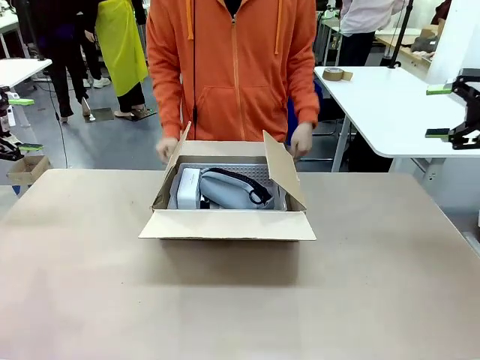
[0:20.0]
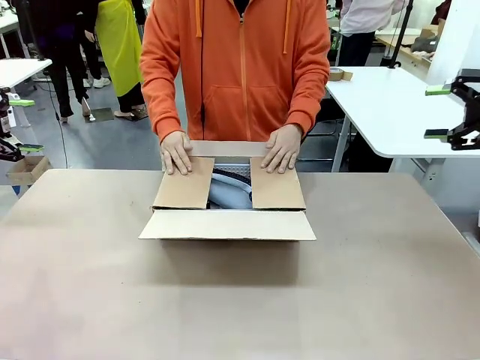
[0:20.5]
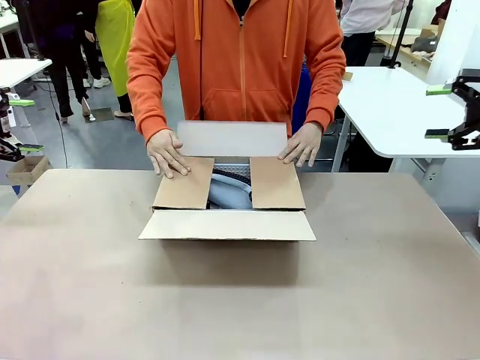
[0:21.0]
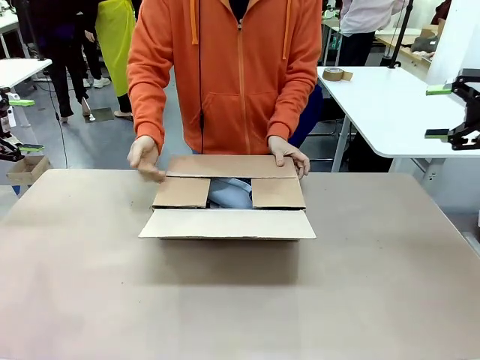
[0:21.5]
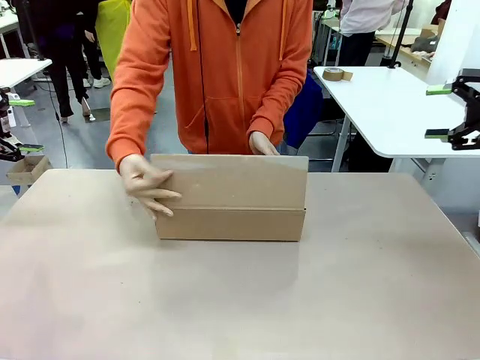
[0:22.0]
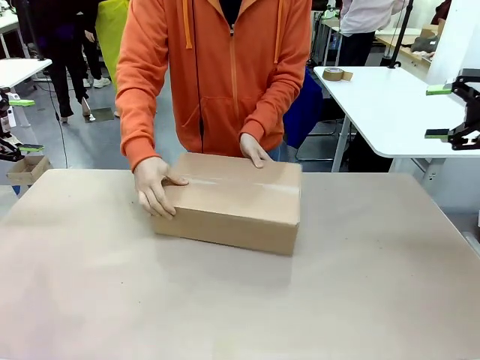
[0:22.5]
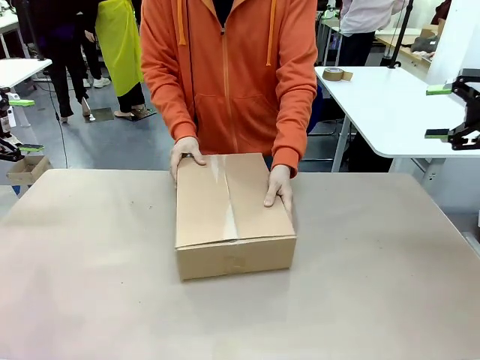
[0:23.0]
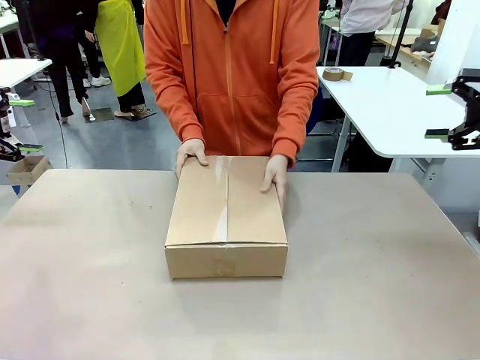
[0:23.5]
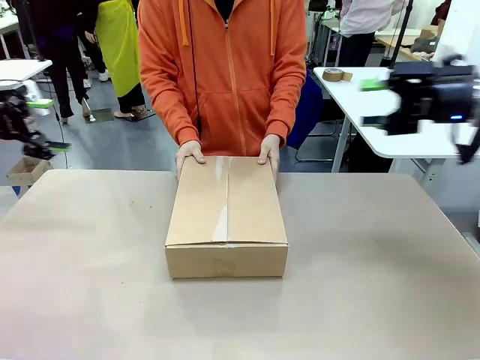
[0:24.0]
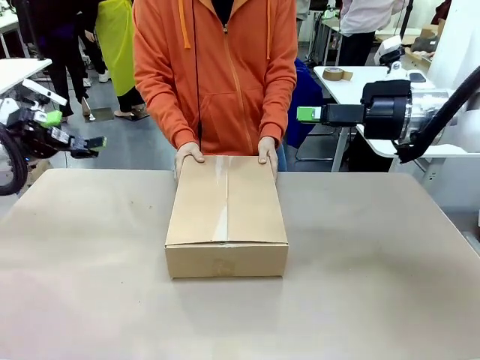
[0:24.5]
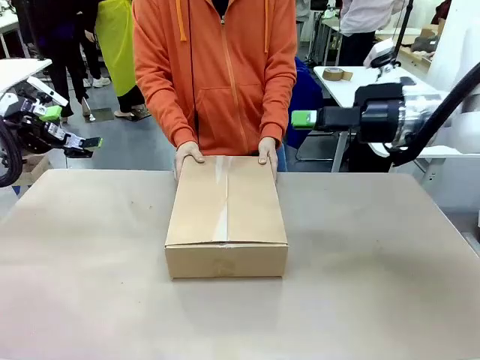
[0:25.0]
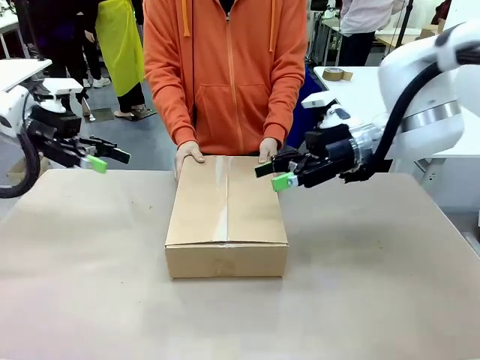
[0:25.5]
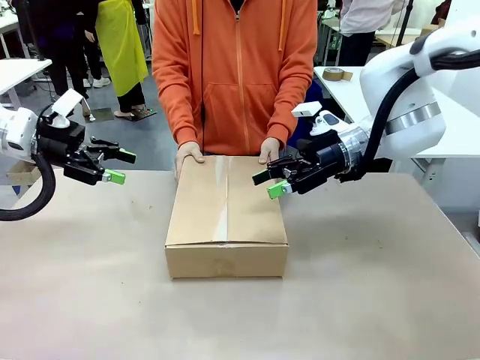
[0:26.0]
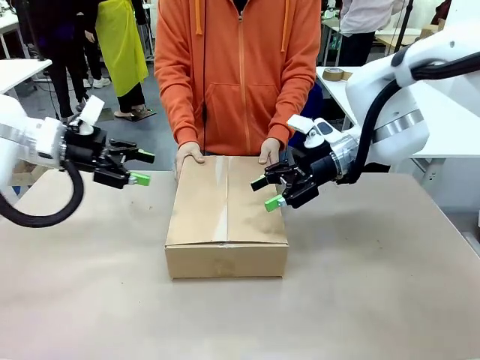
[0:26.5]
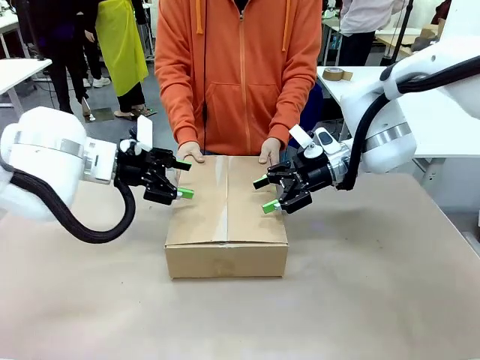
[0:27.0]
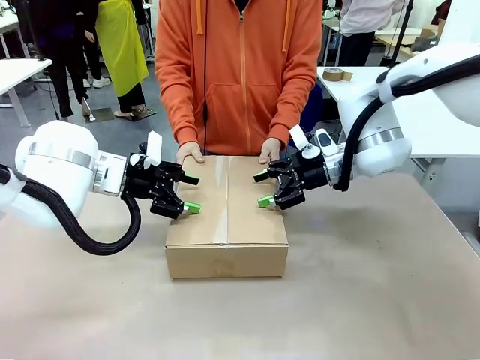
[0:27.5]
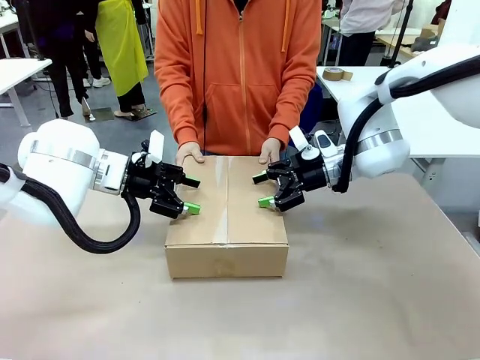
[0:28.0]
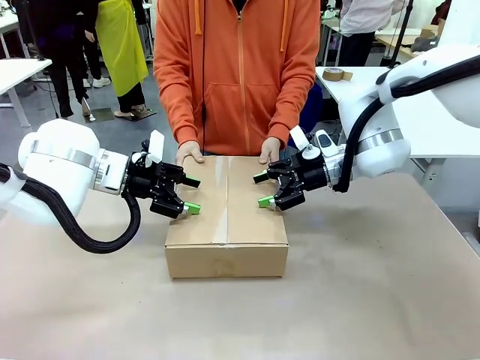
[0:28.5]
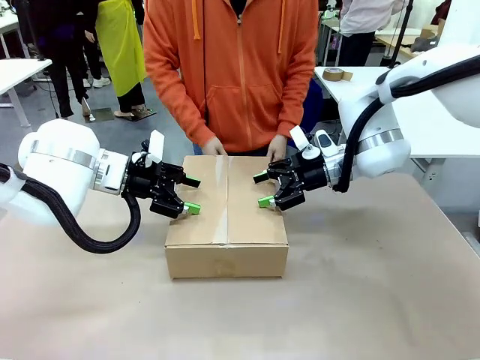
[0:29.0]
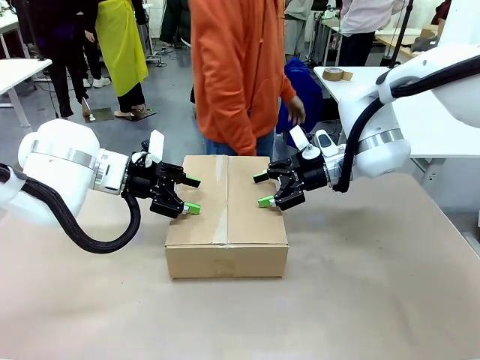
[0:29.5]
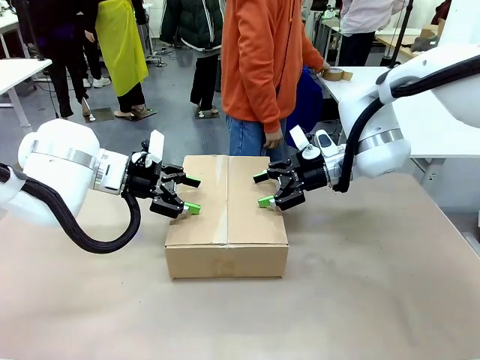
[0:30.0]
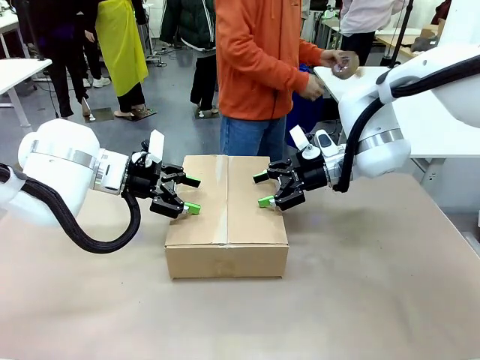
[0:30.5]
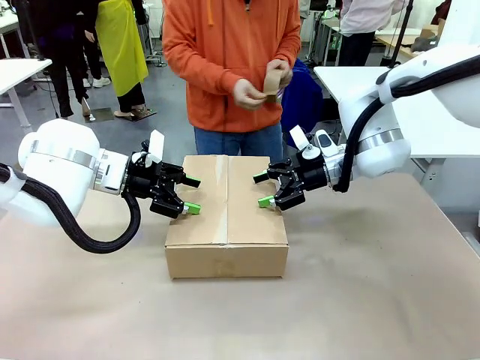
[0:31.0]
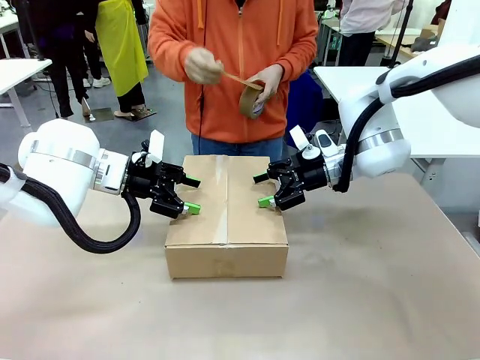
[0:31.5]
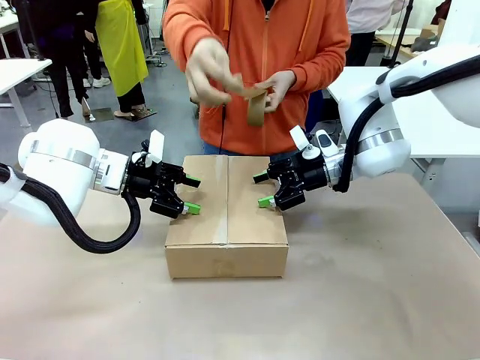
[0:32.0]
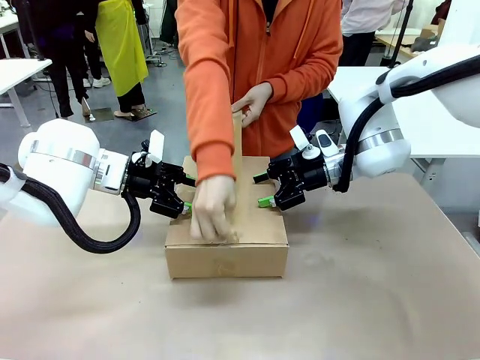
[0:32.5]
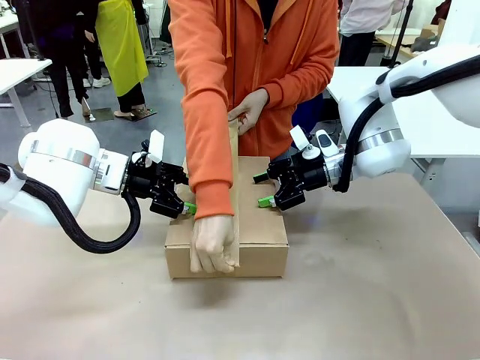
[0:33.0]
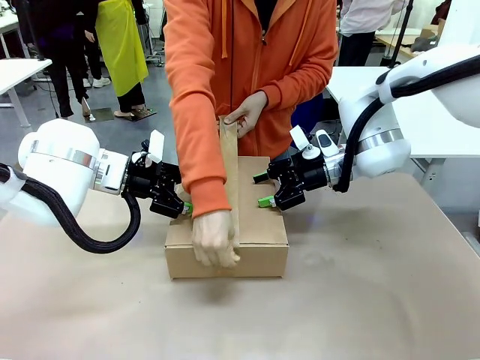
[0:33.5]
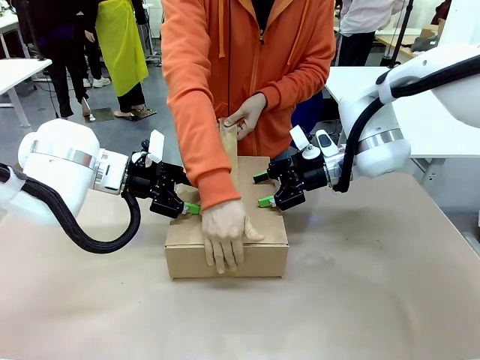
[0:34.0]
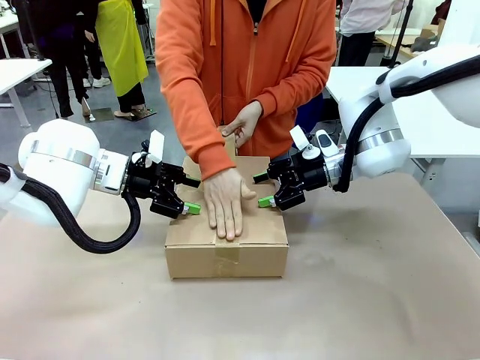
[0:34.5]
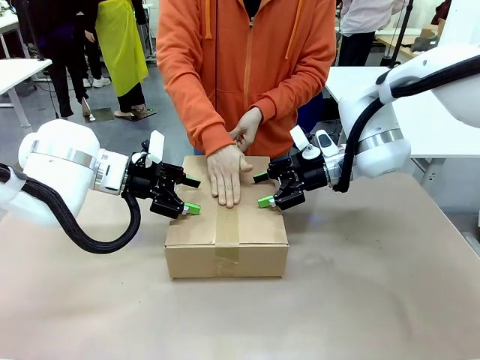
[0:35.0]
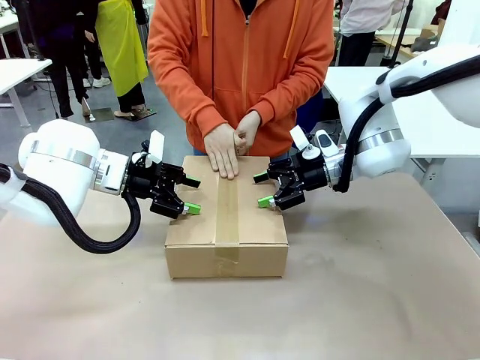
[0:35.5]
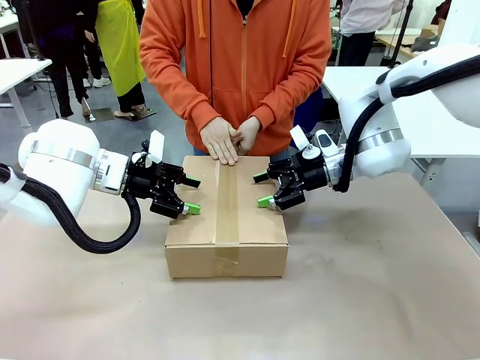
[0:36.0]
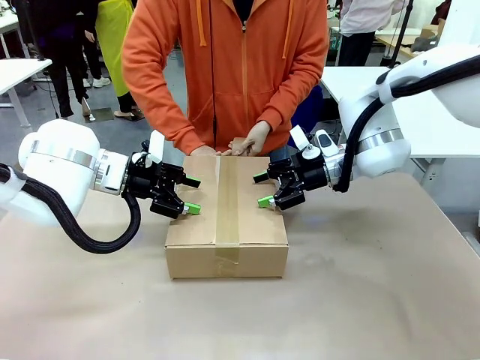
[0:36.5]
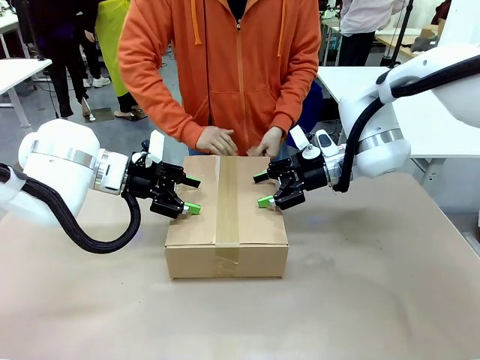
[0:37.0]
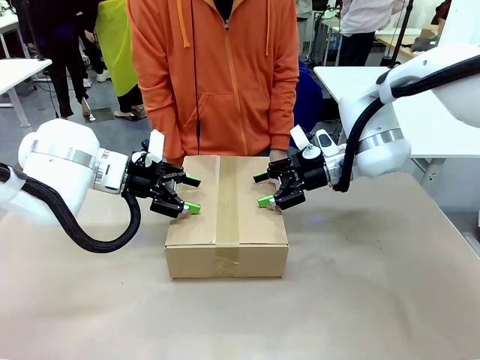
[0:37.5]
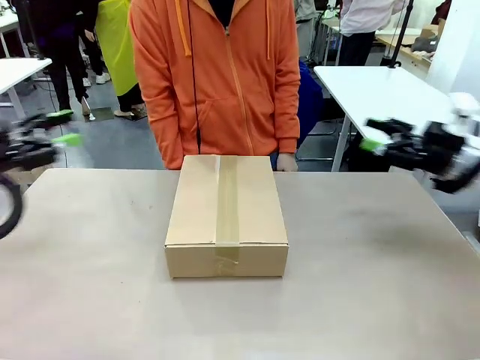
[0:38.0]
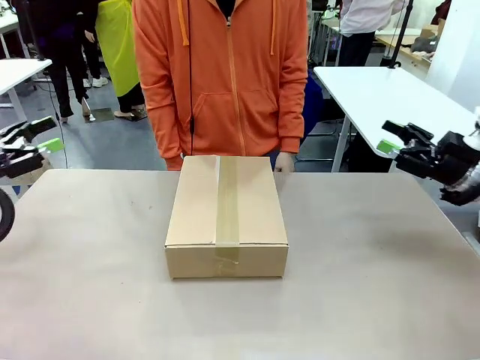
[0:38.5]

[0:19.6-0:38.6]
Task: Pack the gift set into the box.
Robot: Press and hold the closed box until the human finishes sealing it.
Person: The human closes the box and rotates the box by 90 degrees. The human picks up the paper tape from the human table and packs the box.
